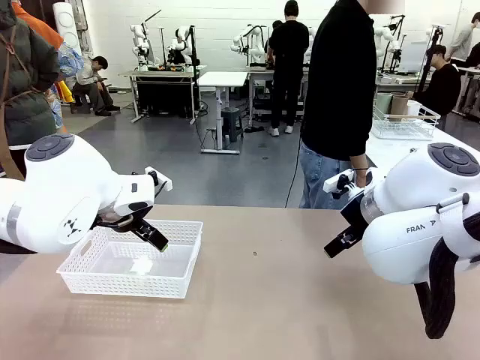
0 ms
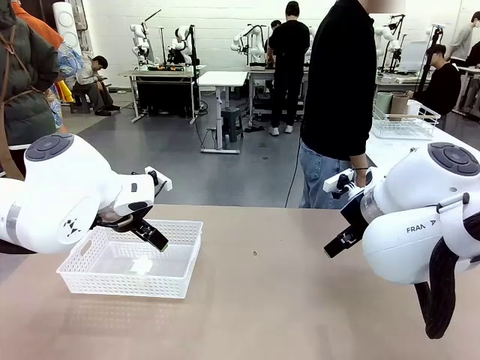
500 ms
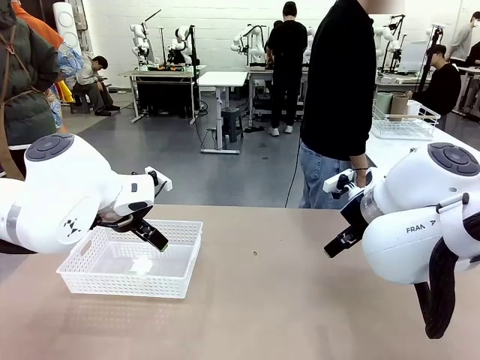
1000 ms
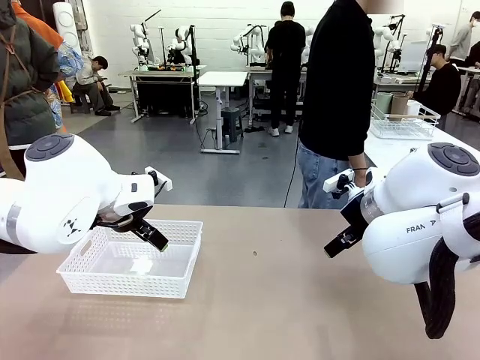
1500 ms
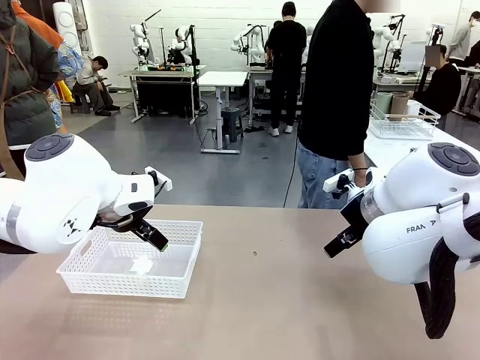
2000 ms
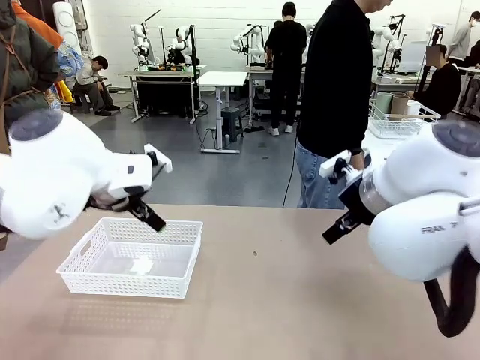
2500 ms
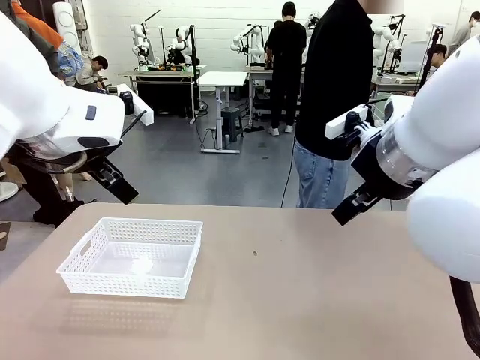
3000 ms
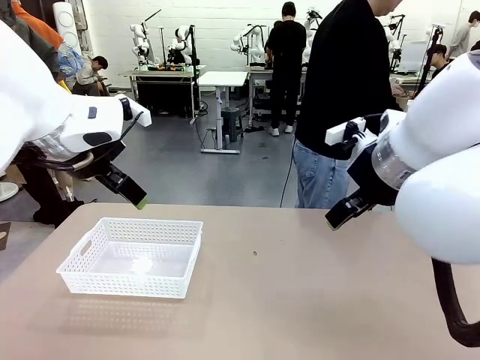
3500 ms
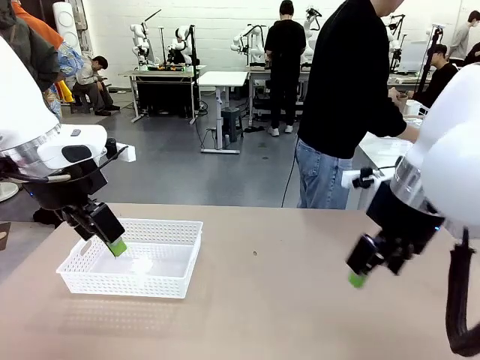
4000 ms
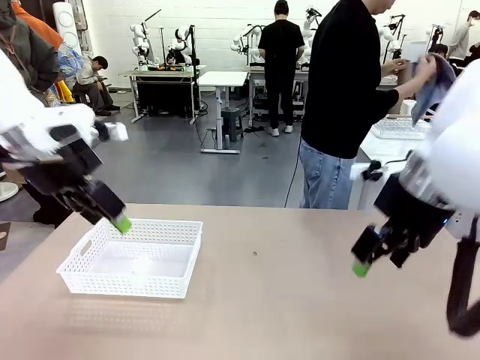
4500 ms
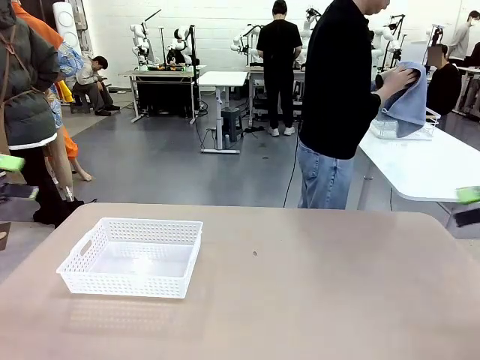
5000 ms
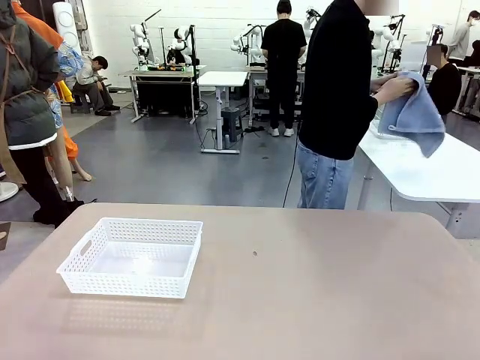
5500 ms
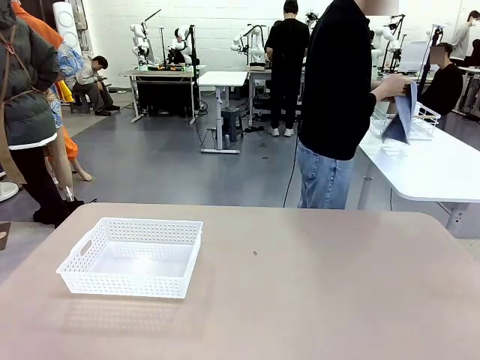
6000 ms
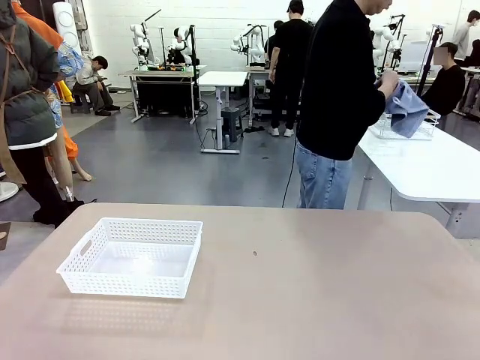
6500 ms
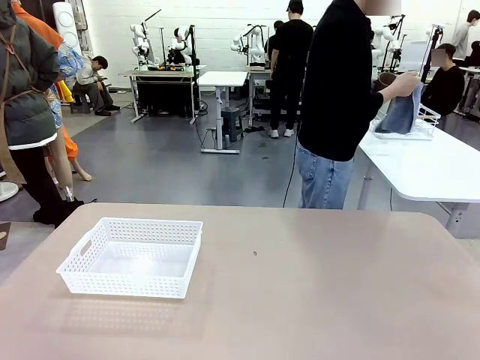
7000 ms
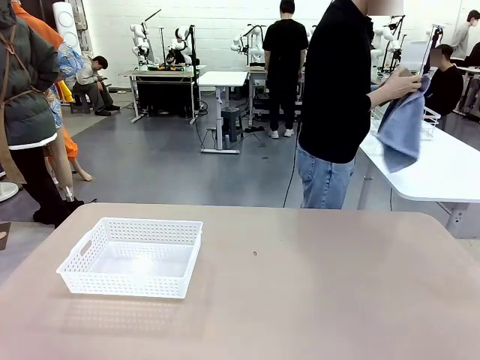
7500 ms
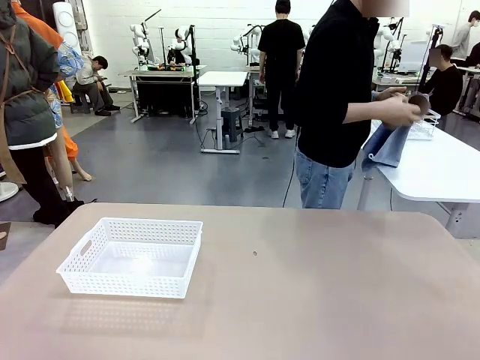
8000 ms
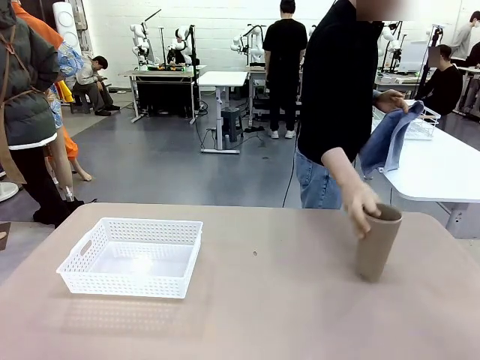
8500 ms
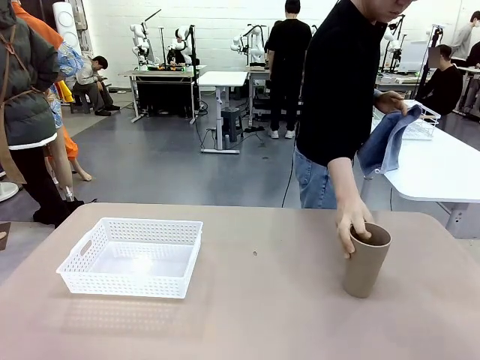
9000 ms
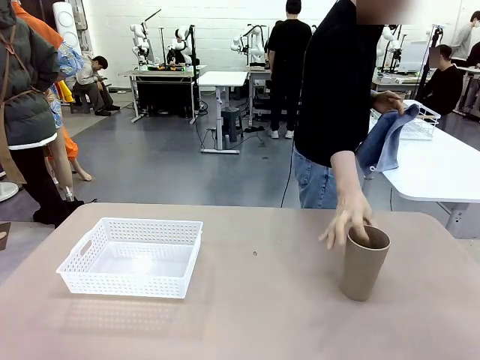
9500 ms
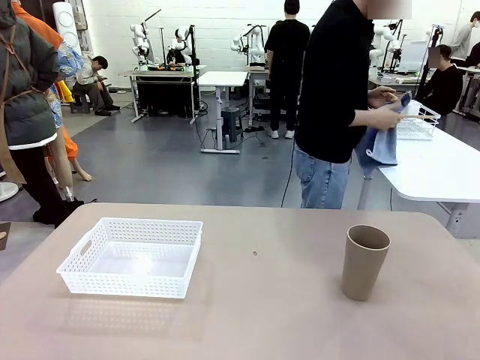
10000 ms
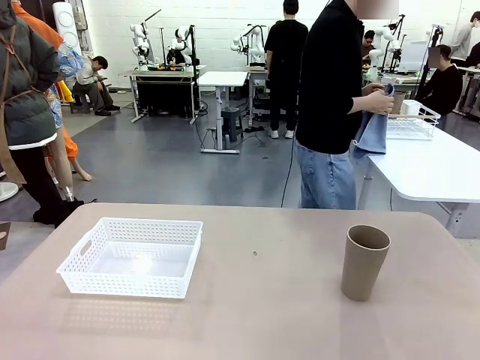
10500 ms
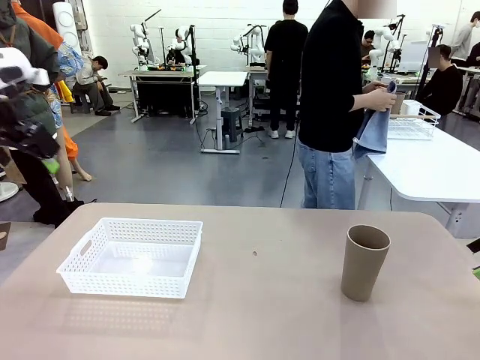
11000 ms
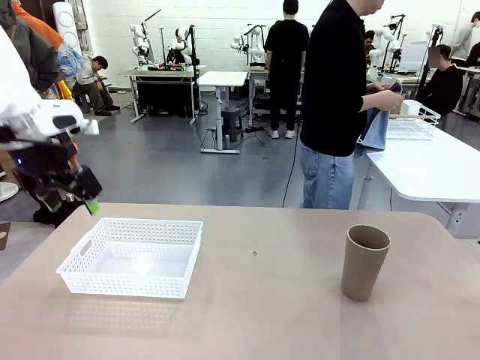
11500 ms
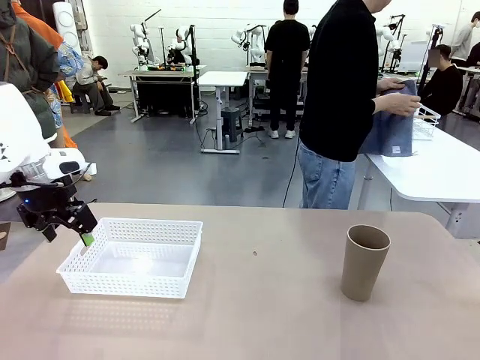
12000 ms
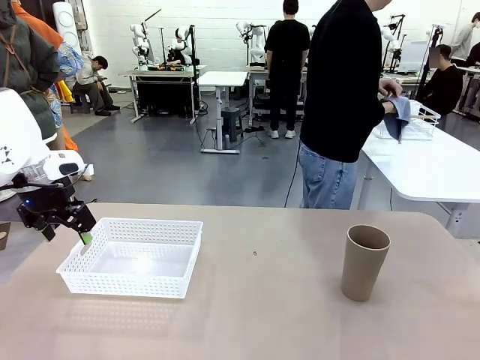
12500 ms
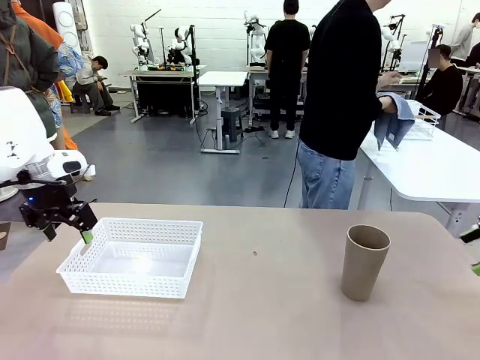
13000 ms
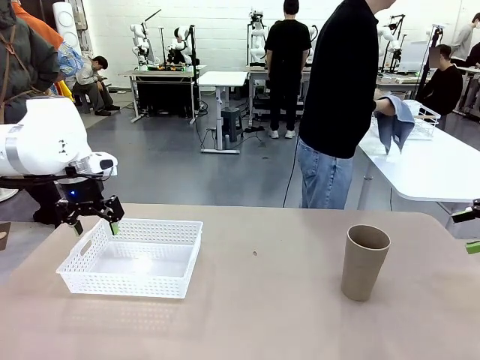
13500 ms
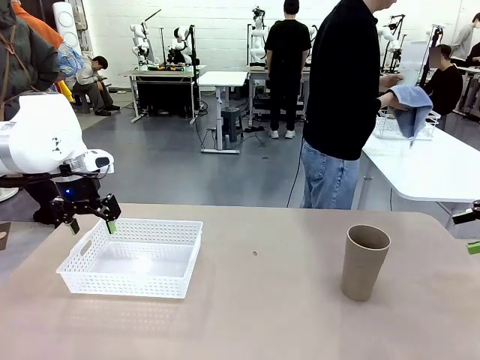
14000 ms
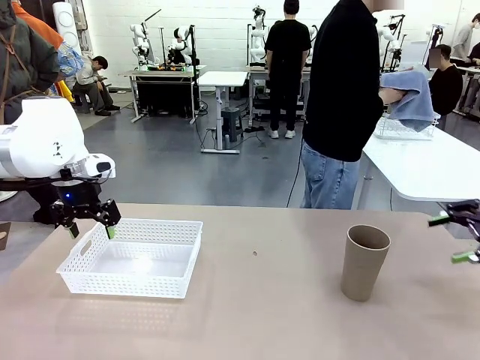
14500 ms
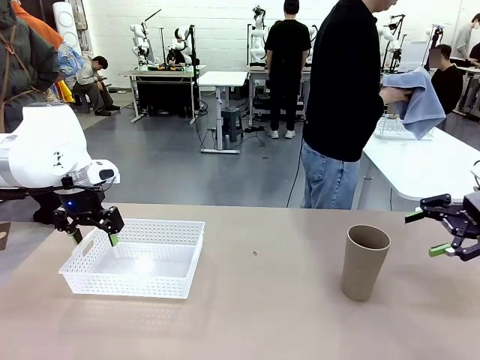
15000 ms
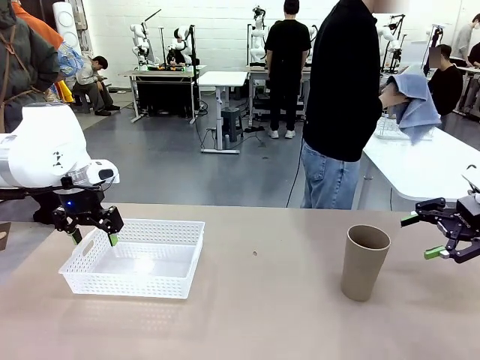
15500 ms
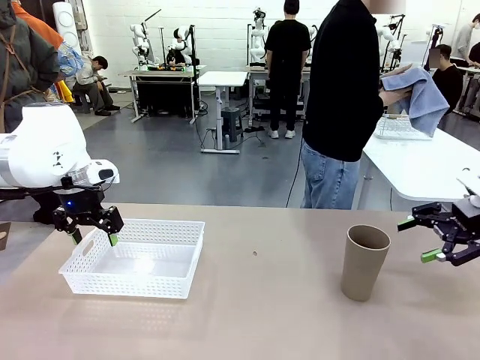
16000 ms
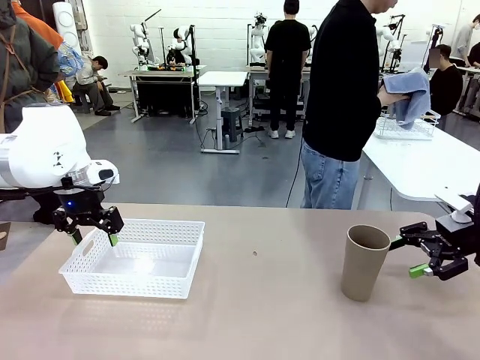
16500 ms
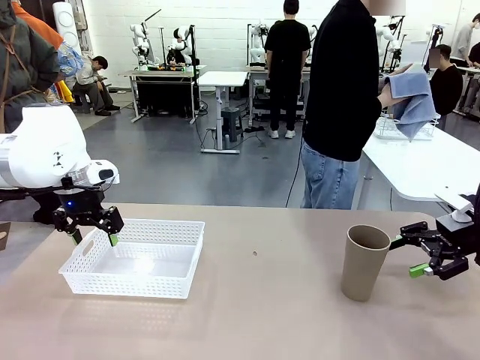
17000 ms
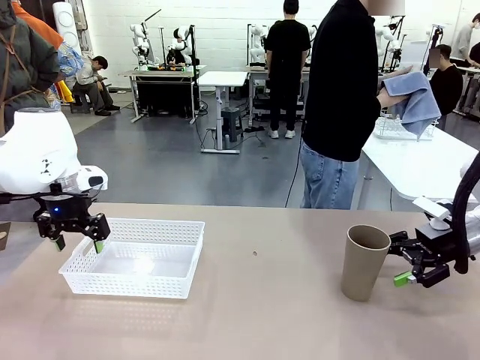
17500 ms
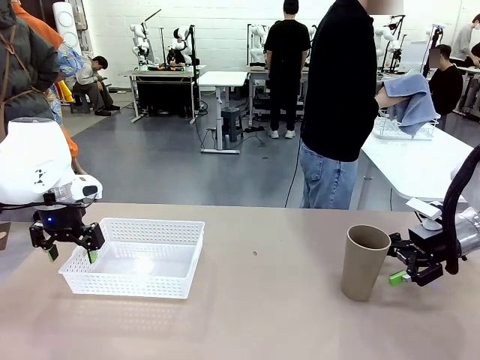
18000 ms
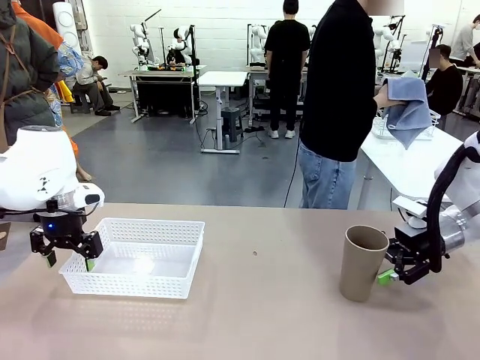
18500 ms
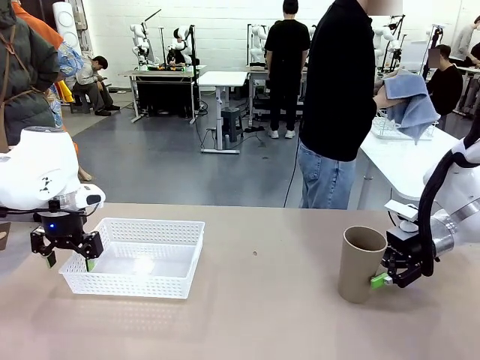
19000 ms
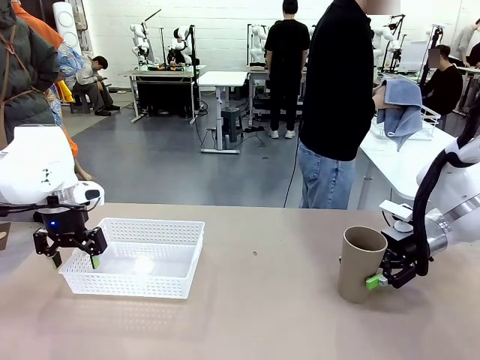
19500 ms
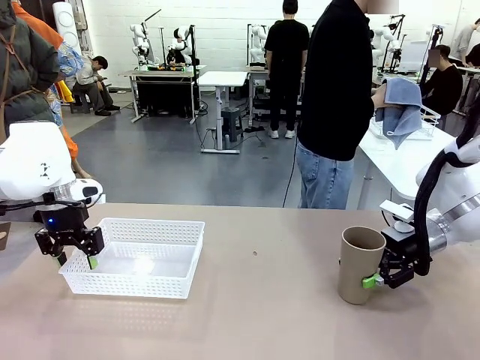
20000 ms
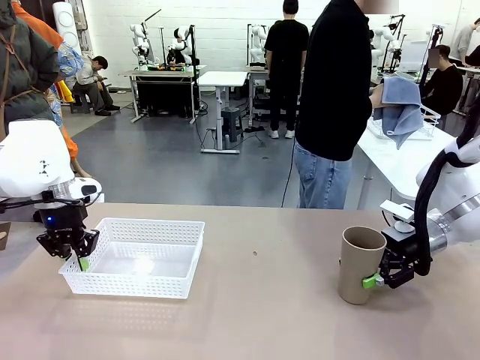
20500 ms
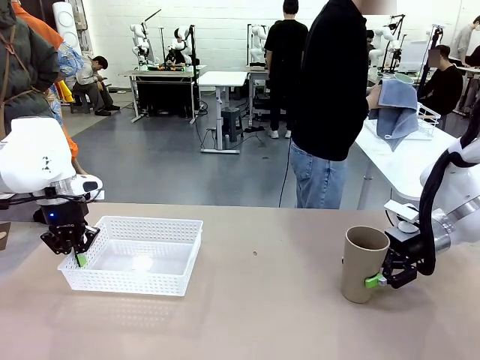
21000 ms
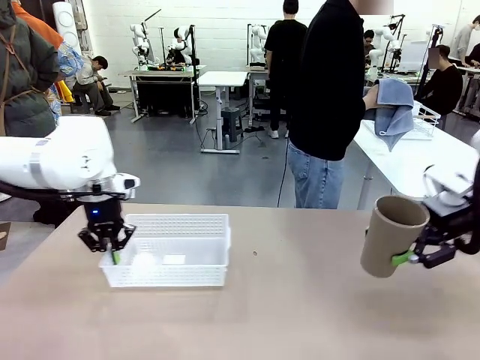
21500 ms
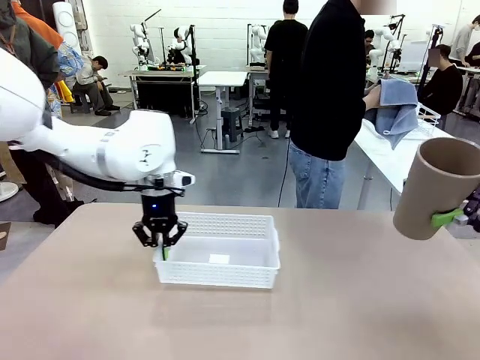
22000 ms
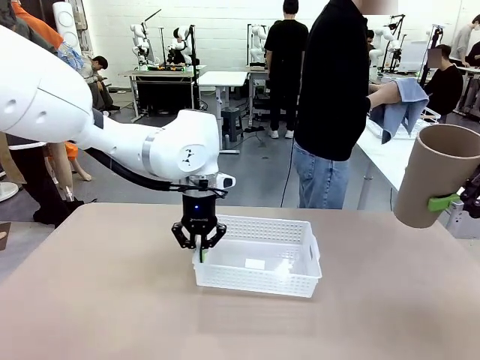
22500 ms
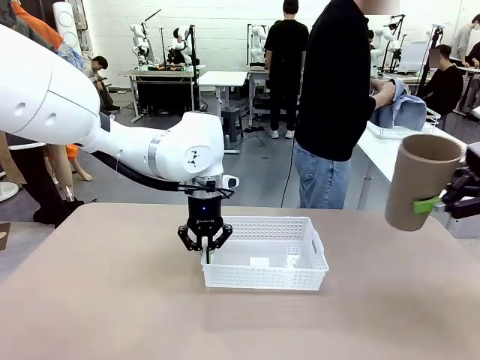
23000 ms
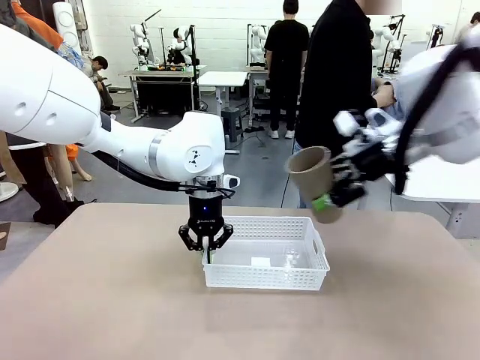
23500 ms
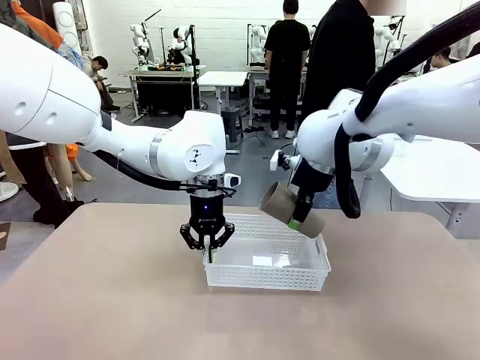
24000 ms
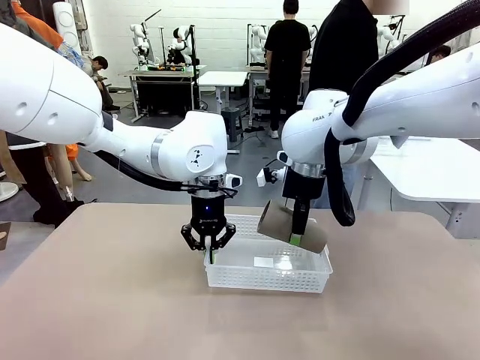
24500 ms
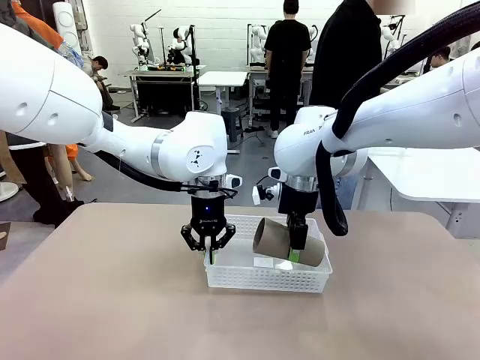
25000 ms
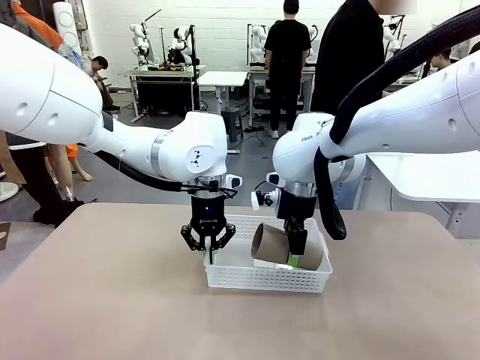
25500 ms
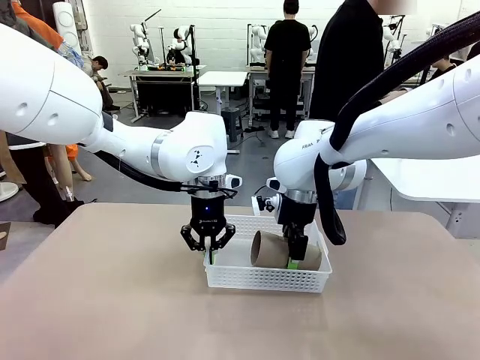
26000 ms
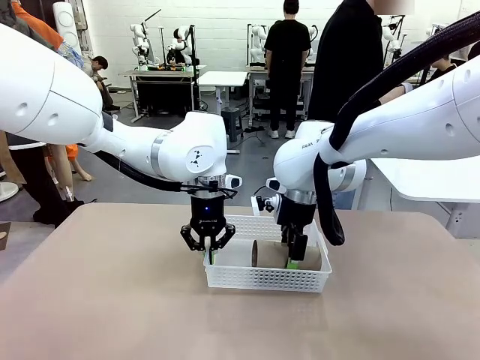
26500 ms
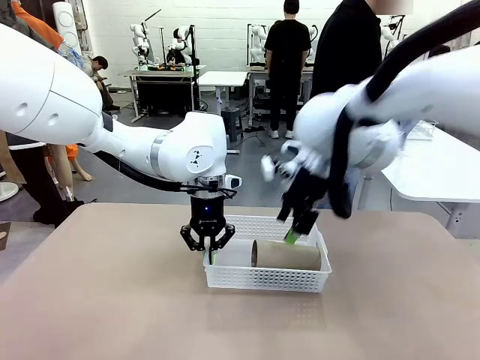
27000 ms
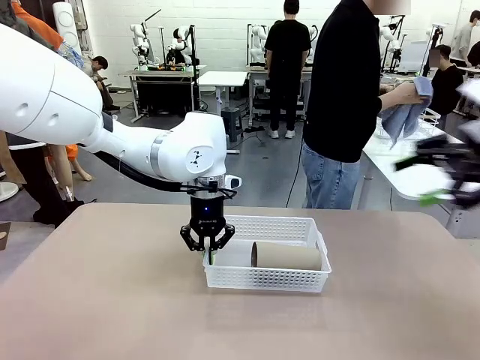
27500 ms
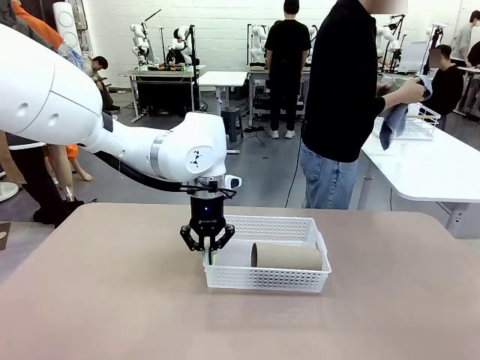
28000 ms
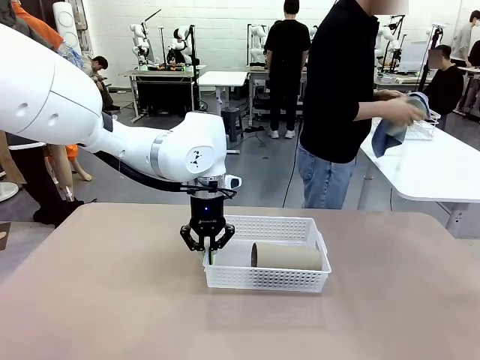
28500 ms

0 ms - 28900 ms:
Task: Clean and organize the cups into the basket.
Robot: Pick up the Organizing basket and move it to the center of the table, then pick up the Reusable plastic cup from the right side of the table and place it inside the Organizing basket.
Person: Picks up a cup and a towel, cleans the cup with the towel, and places it on the left side of the robot table. Picks up a cup from the drying rack, cleans the cup with the towel, and places it on the left side of the robot table.
